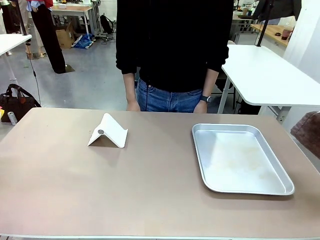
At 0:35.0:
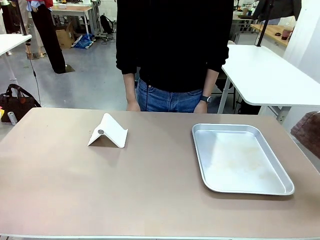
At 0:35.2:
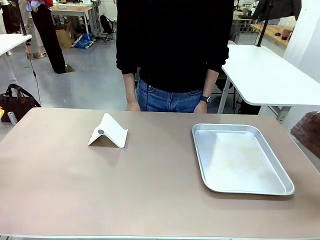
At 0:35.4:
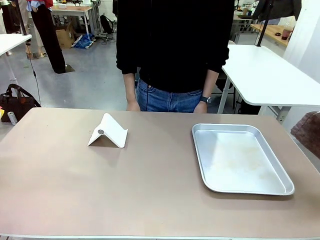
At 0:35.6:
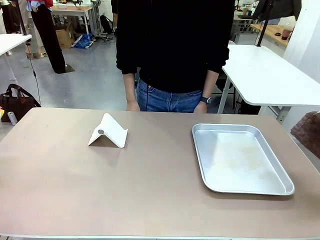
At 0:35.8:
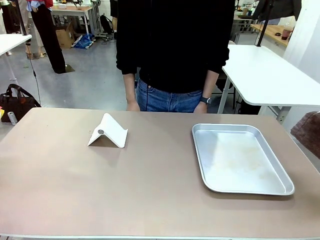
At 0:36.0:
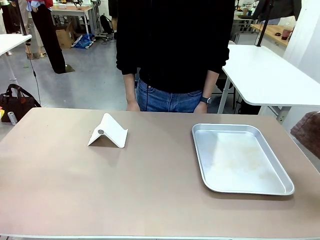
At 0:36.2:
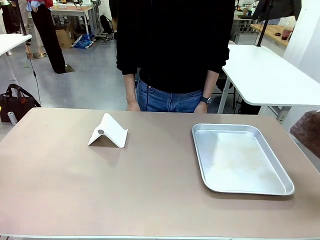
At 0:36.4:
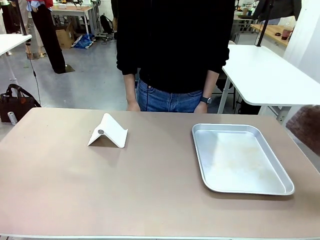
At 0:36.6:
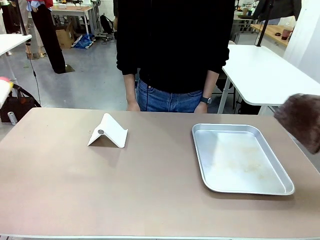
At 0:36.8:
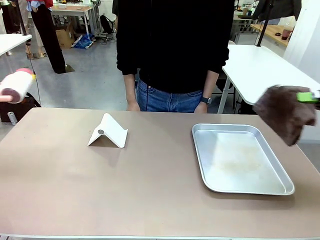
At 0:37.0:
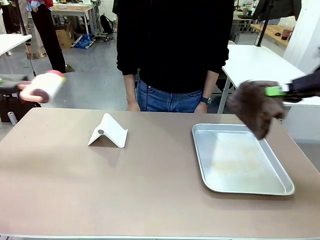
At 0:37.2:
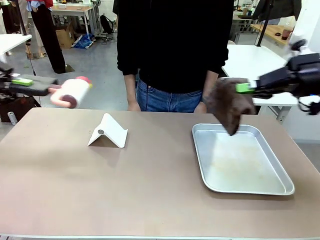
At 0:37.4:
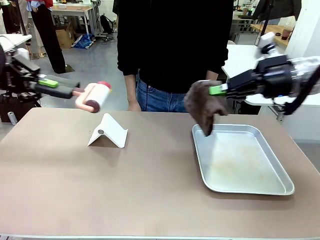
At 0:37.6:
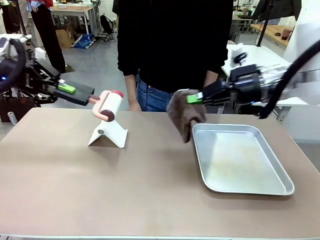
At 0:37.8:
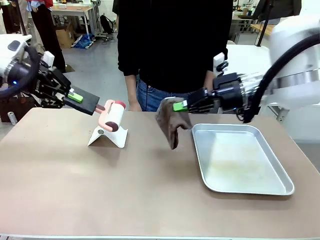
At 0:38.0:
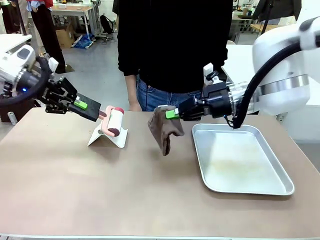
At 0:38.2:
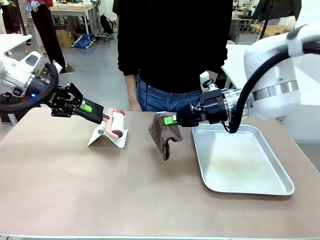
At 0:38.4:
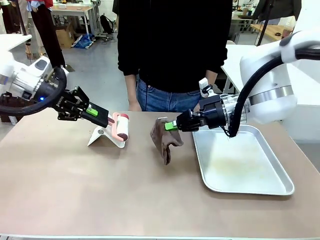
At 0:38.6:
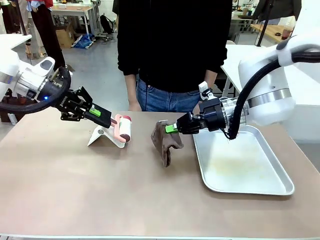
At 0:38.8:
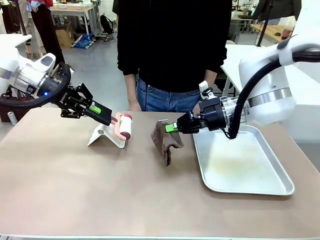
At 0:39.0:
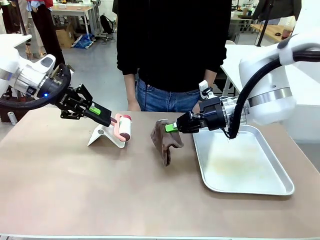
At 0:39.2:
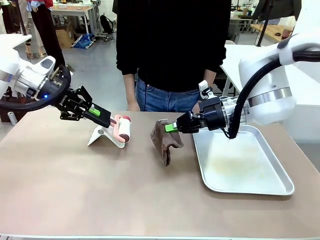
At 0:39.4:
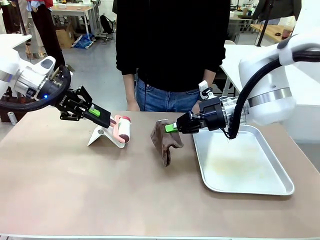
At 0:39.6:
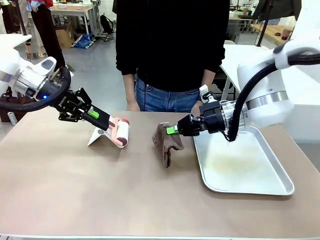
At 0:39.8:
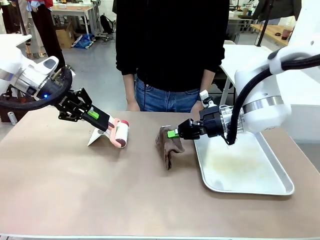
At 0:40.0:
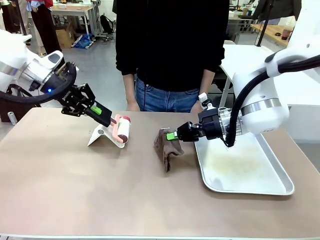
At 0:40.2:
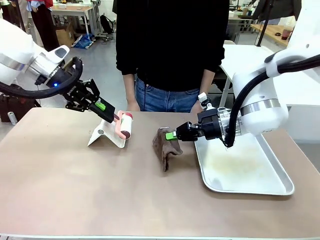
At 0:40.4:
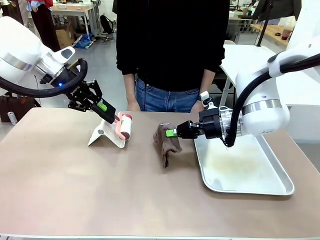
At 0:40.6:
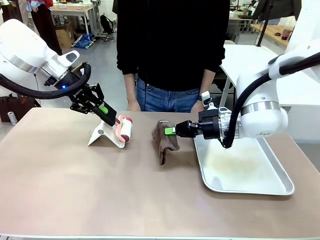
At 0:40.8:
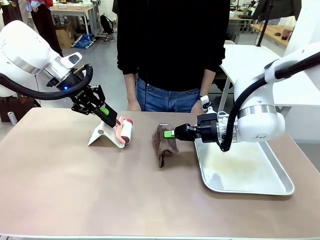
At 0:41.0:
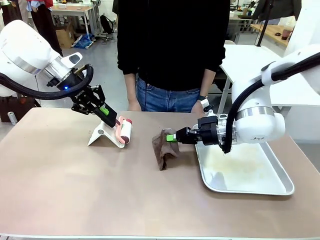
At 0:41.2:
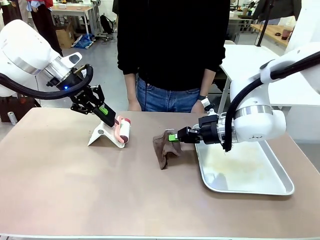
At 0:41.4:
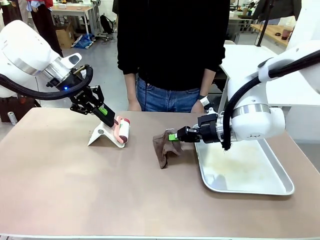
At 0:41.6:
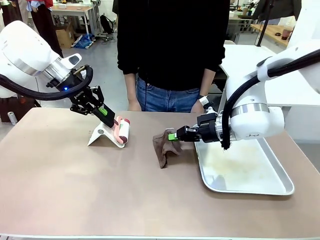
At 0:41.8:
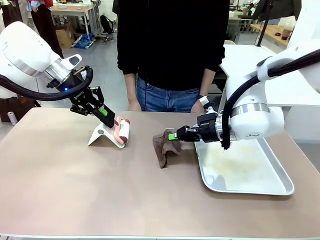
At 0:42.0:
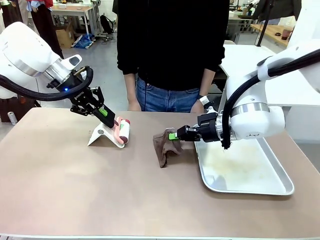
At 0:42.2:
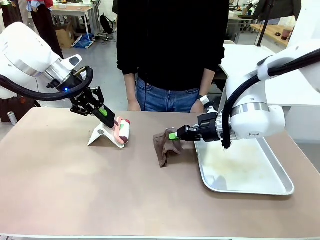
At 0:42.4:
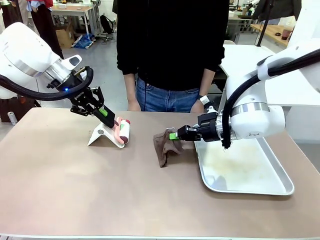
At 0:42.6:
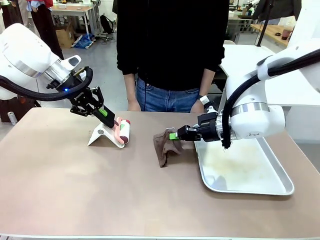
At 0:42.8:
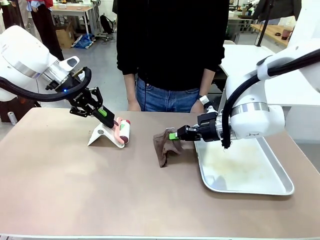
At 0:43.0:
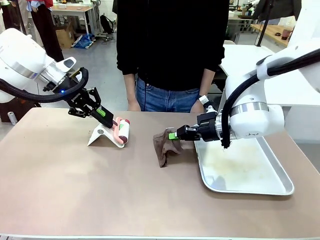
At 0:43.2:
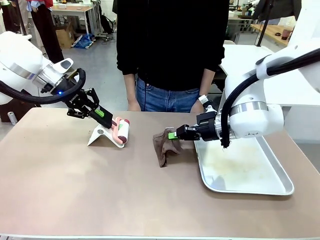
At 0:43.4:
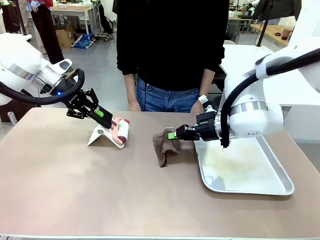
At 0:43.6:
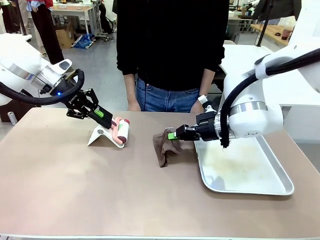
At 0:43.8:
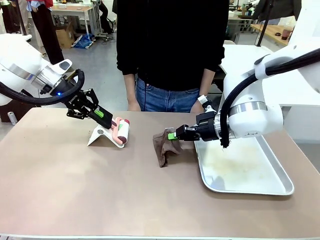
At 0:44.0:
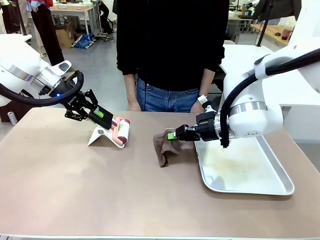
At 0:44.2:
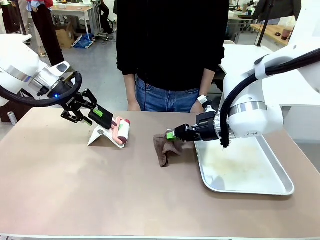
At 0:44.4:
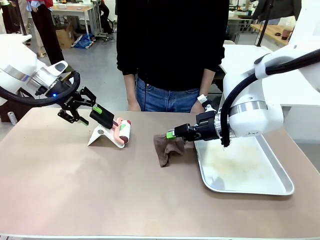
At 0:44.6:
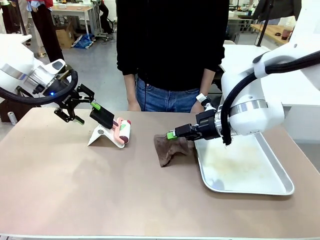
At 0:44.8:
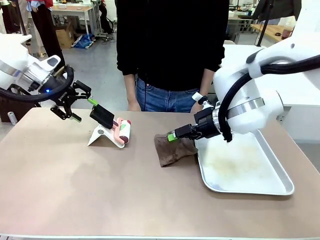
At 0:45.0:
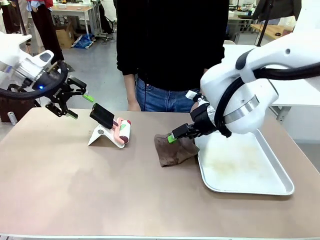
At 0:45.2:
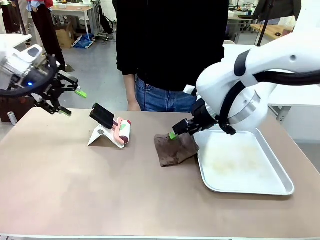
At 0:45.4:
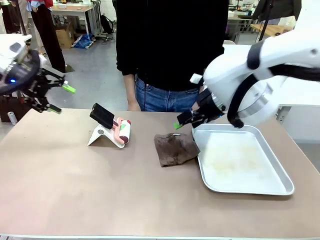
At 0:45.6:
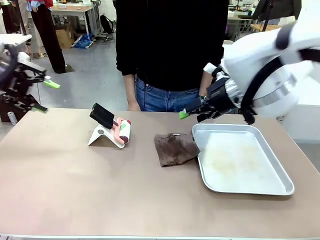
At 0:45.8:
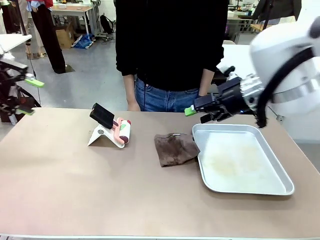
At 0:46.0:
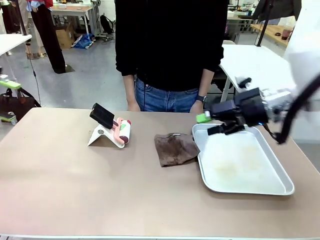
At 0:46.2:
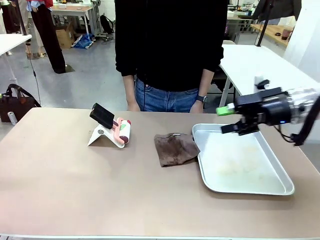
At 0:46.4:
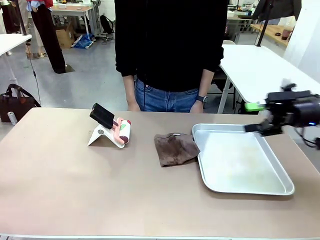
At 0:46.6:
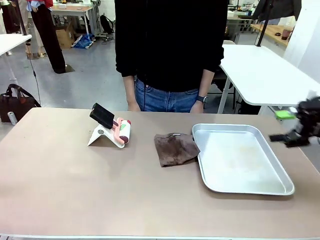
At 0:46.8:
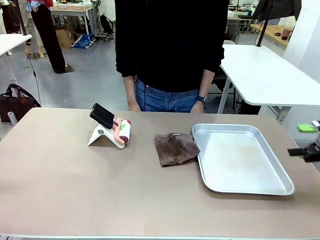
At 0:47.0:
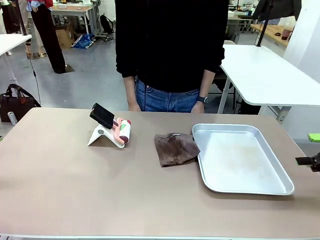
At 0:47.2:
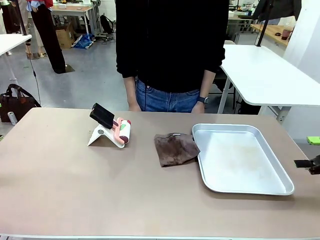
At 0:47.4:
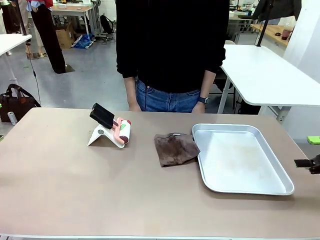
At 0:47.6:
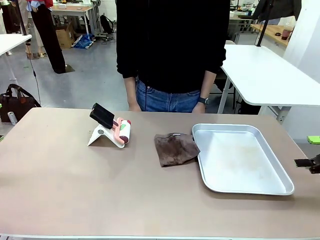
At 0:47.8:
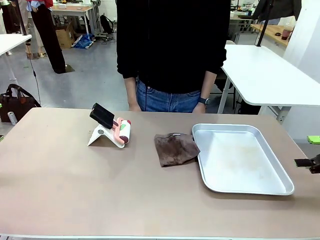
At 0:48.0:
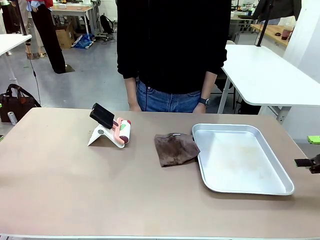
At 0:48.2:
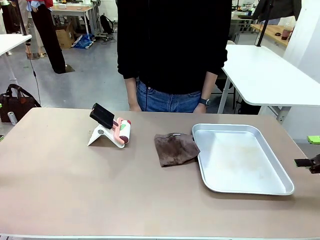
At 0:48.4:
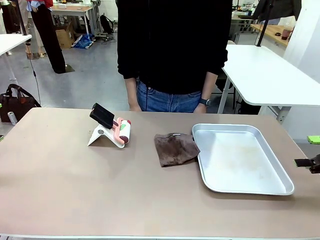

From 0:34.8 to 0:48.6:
Task: Clean the surface of the table.
Robot: Return the Lint Roller and towel to their original positions.
